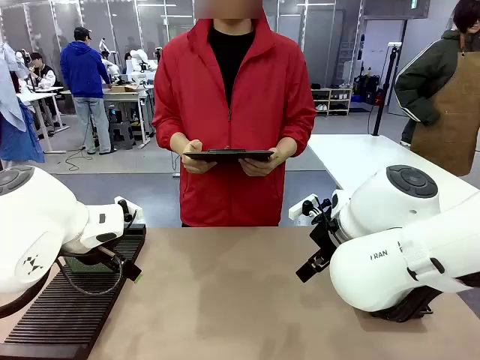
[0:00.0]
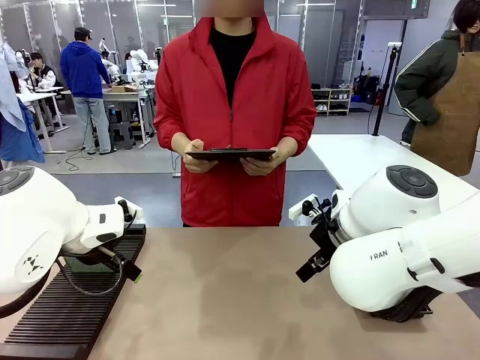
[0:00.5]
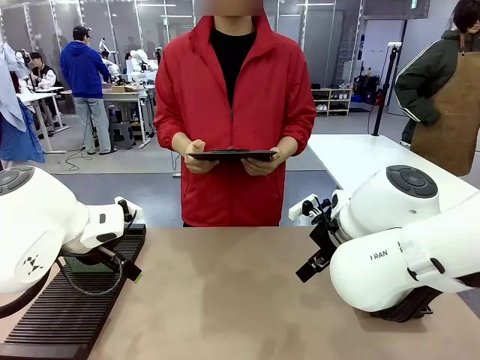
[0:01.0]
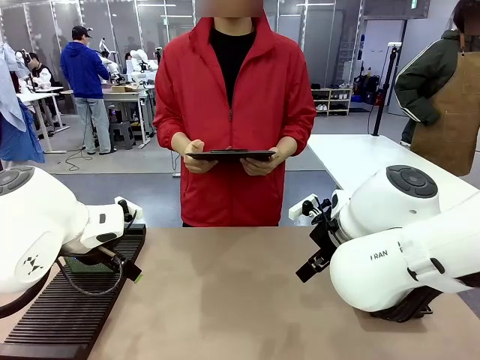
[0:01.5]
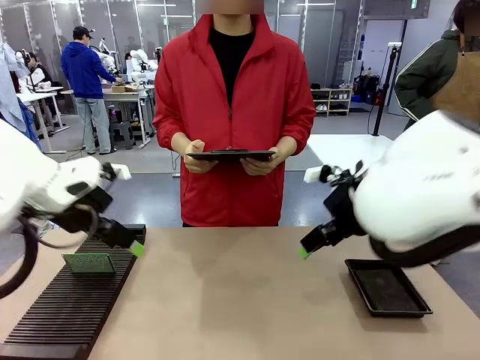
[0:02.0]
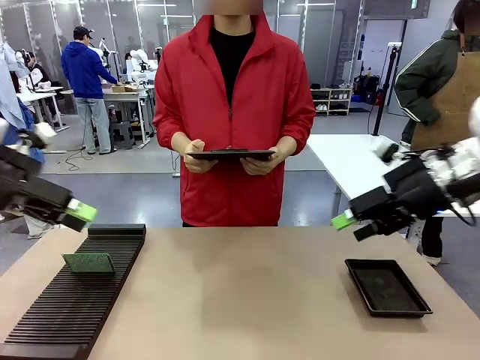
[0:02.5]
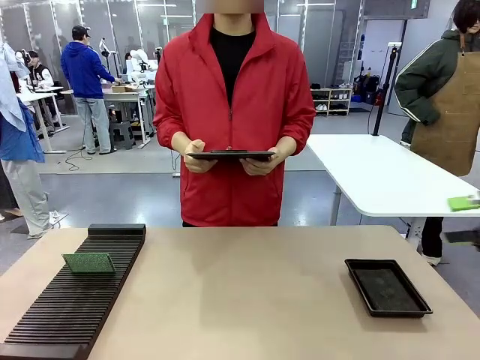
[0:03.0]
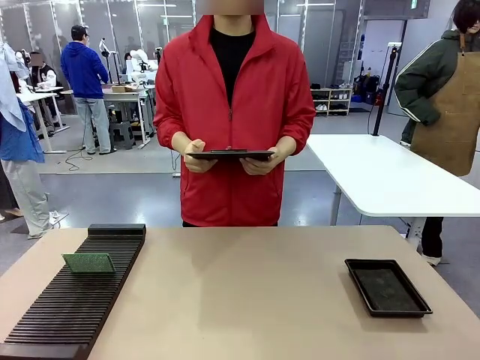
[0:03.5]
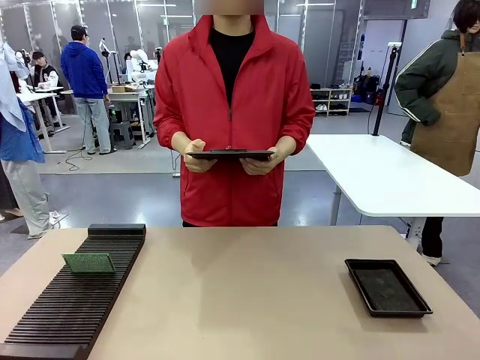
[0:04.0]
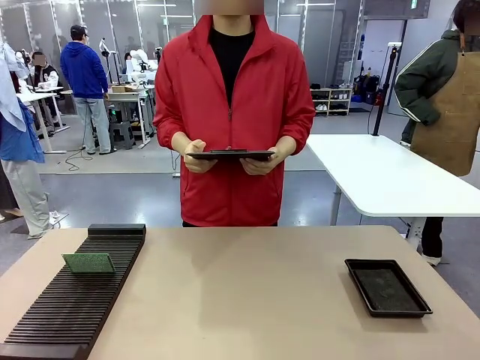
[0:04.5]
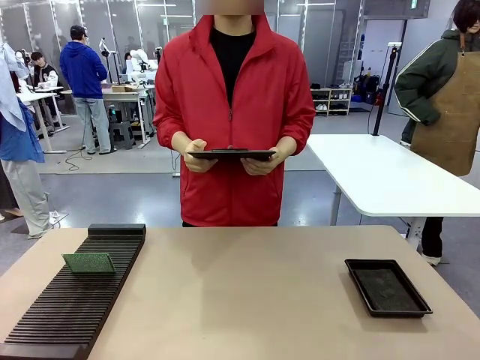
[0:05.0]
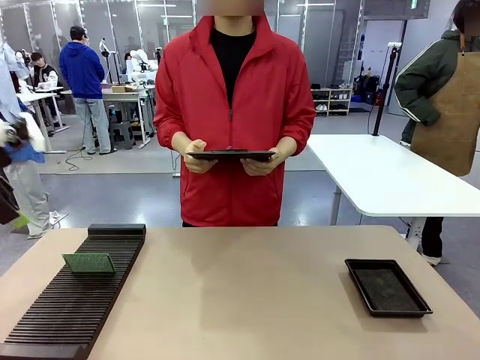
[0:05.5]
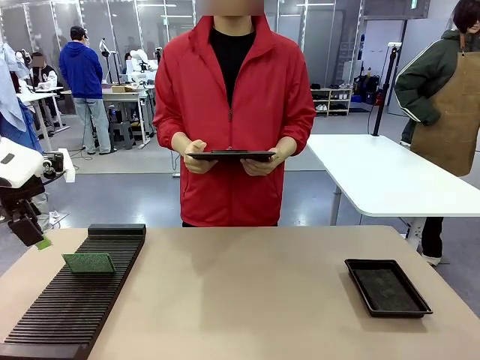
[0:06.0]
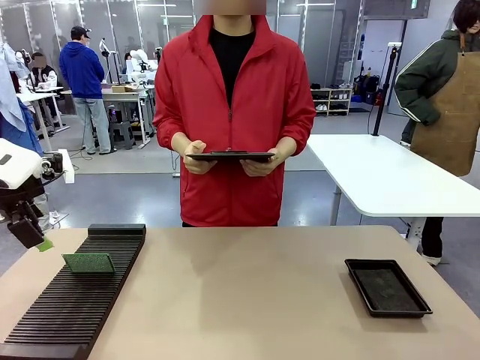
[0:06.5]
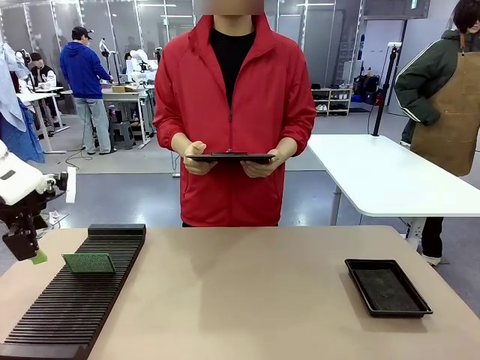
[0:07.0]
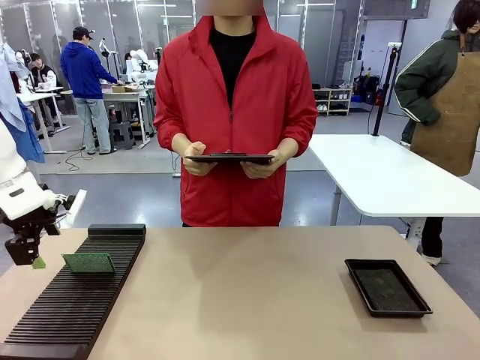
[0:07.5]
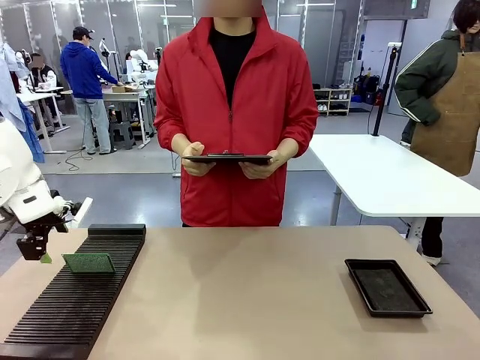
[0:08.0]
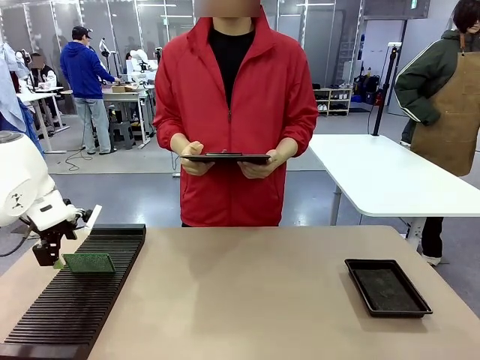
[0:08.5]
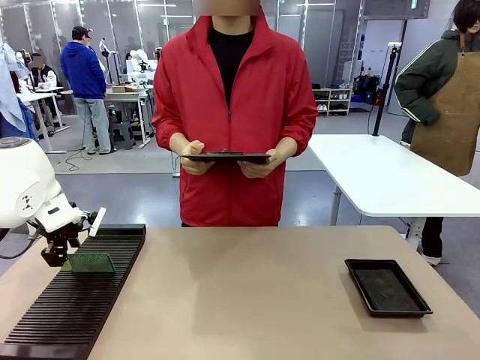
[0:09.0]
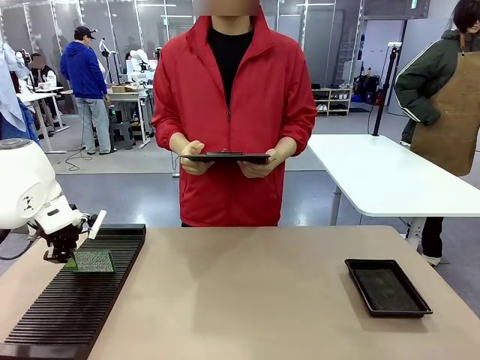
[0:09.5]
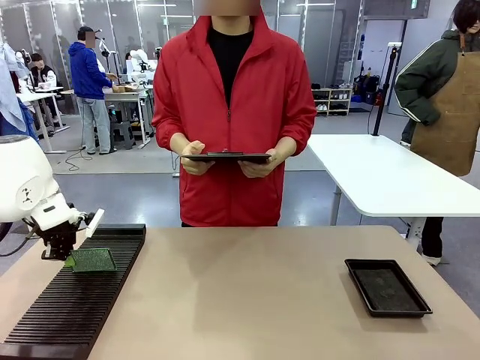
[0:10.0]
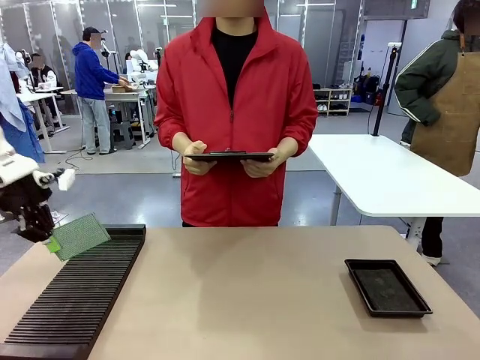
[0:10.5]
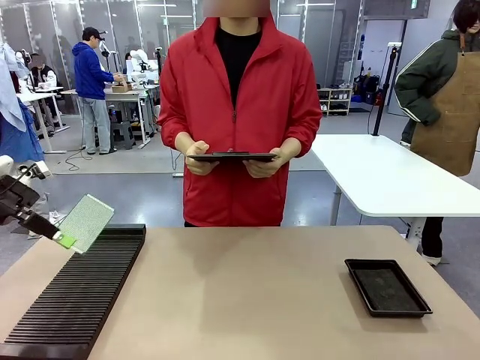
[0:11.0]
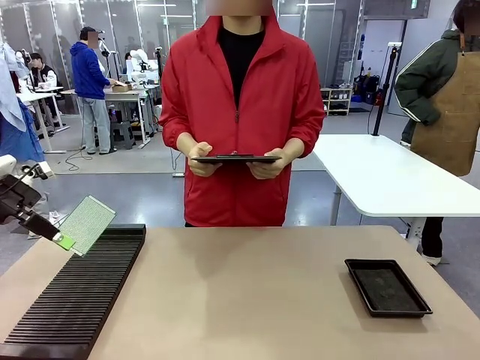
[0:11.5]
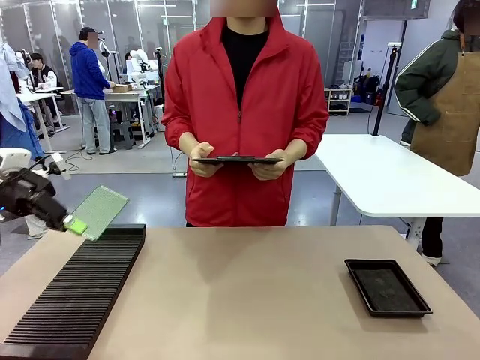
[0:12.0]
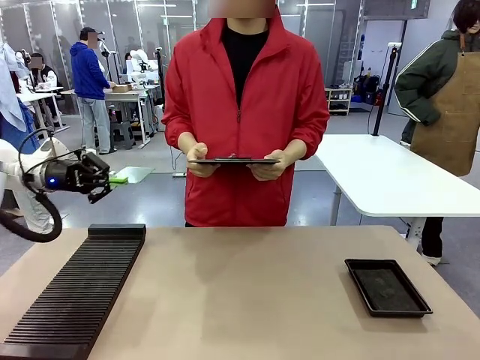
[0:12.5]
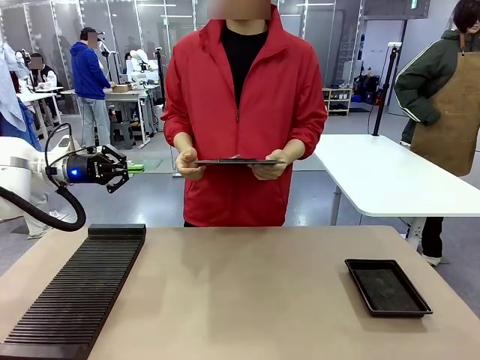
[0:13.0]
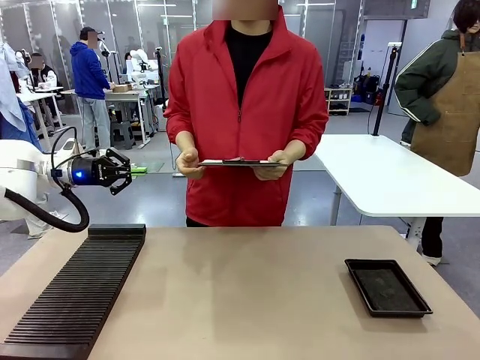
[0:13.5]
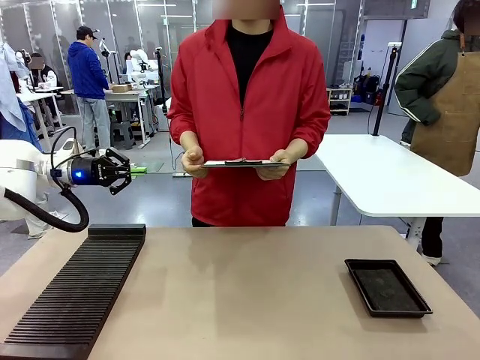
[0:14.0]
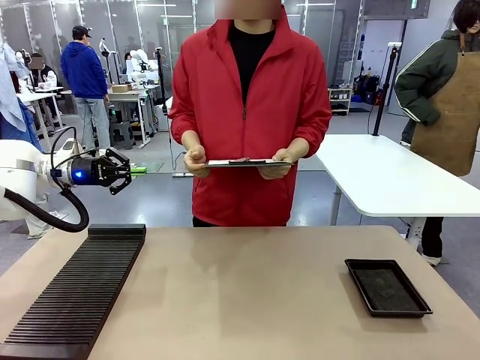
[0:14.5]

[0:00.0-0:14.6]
Task: Inspect the PCB.
Robot: Pick up the Blank PCB and present it to the human.
Person: Pick up the PCB presented by the robot.

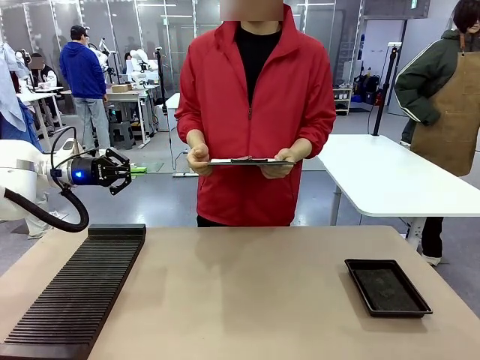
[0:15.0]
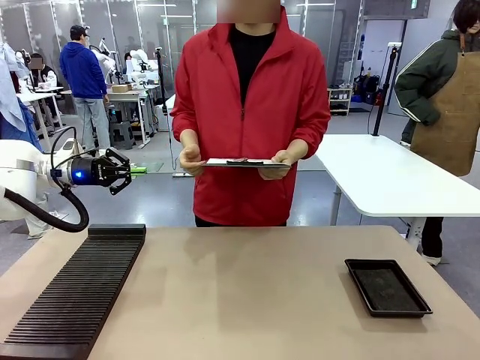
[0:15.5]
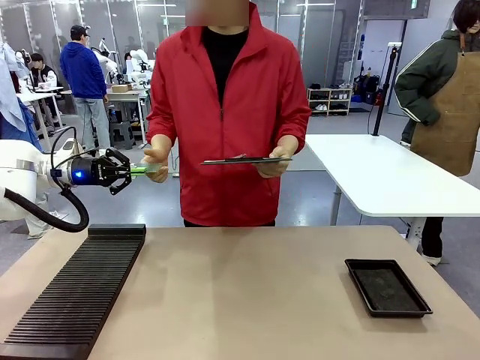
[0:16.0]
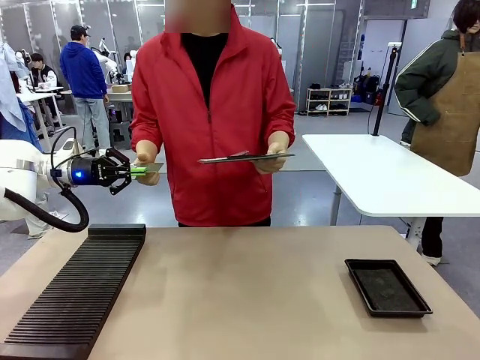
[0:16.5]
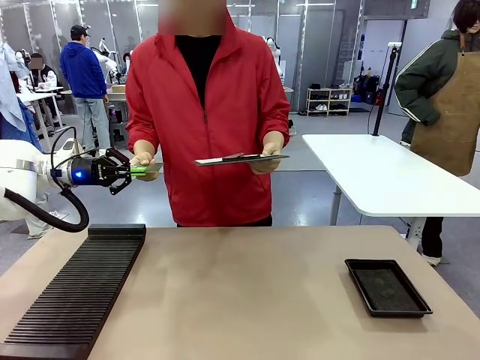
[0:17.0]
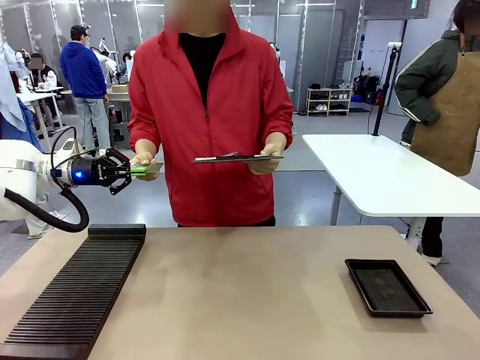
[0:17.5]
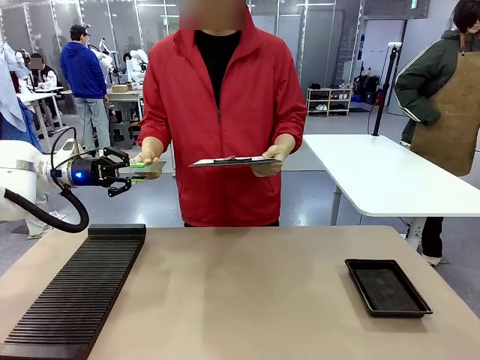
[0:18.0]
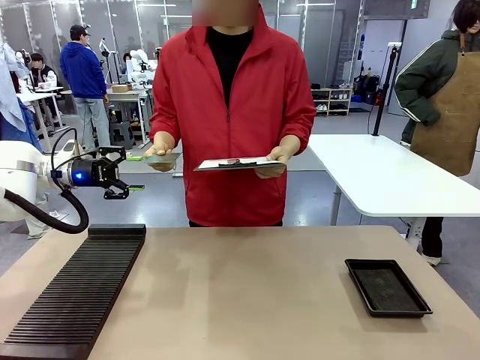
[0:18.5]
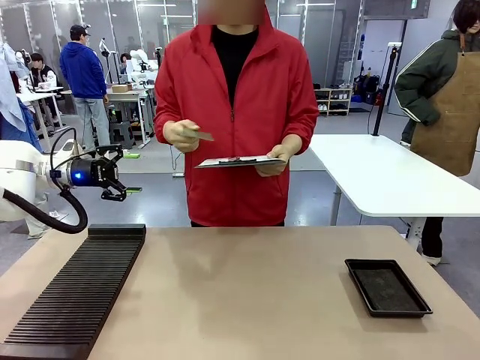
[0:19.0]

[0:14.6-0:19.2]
Robot: Release the Blank PCB you were holding.

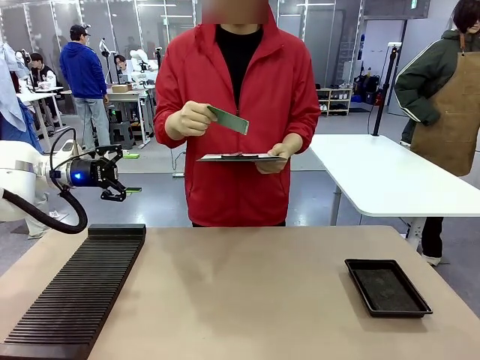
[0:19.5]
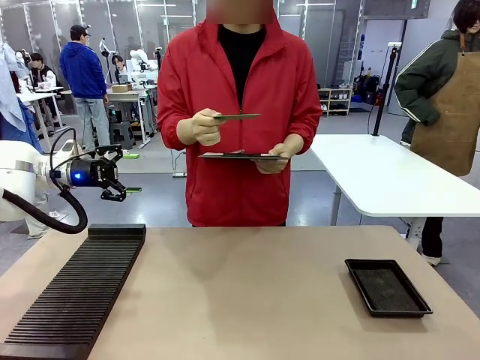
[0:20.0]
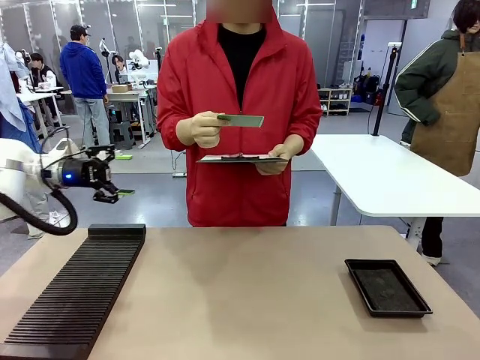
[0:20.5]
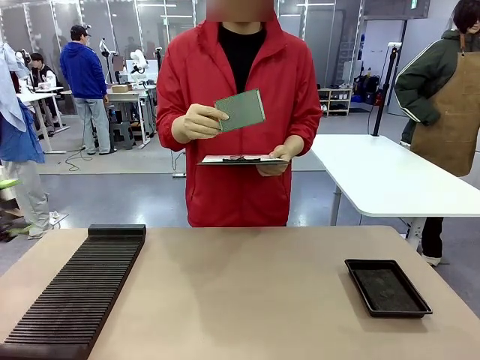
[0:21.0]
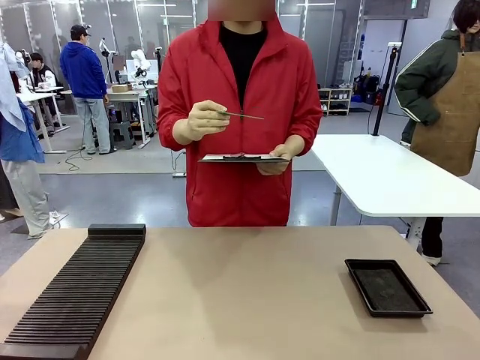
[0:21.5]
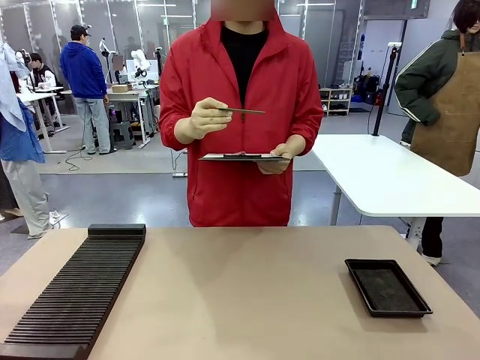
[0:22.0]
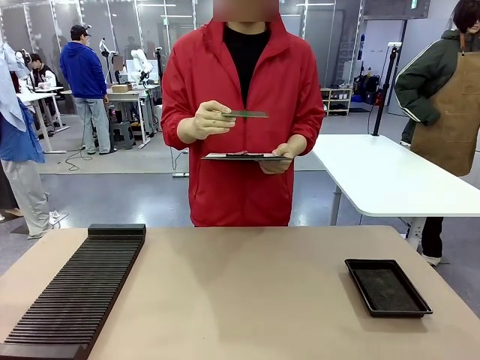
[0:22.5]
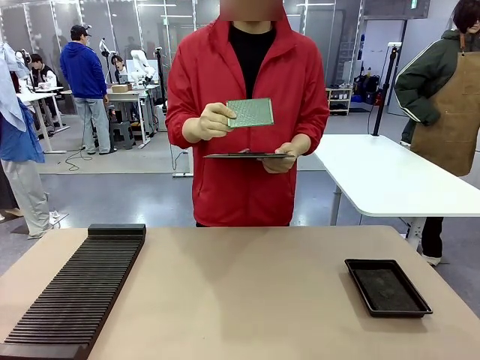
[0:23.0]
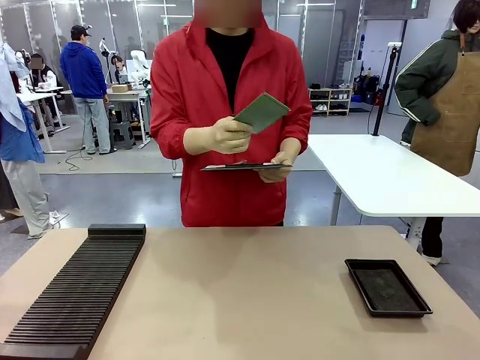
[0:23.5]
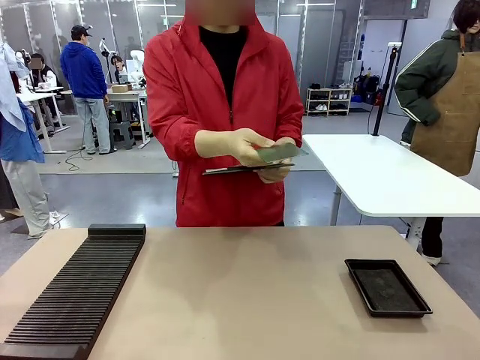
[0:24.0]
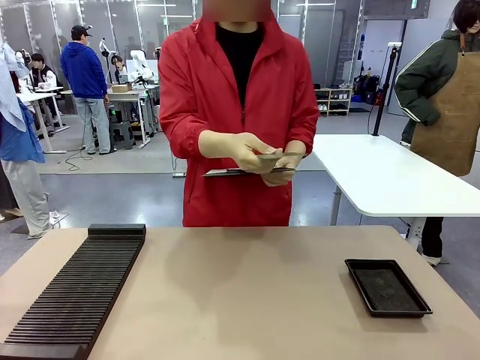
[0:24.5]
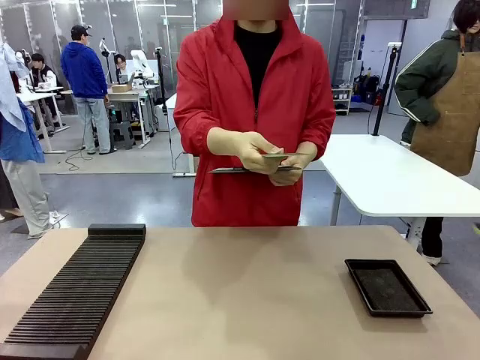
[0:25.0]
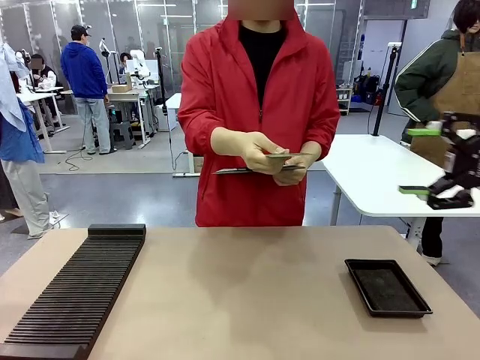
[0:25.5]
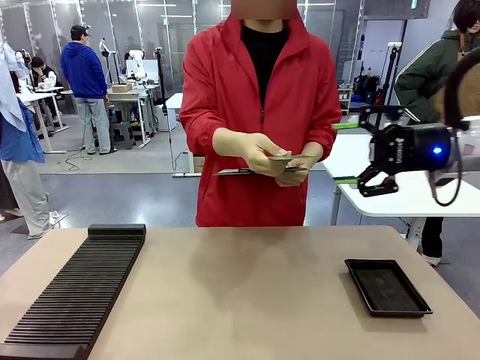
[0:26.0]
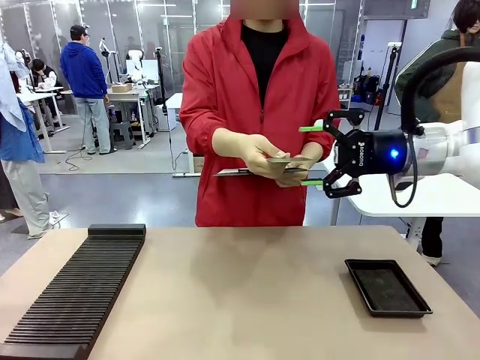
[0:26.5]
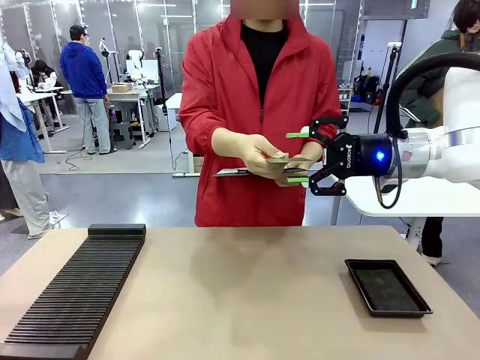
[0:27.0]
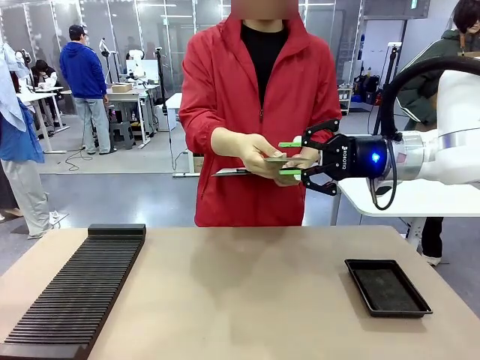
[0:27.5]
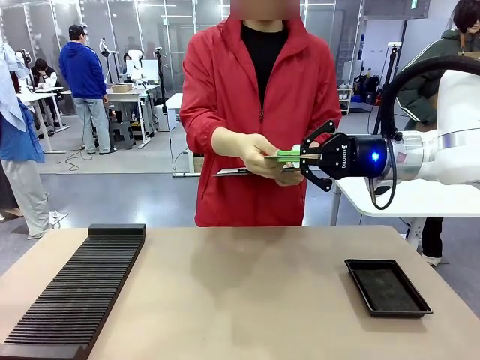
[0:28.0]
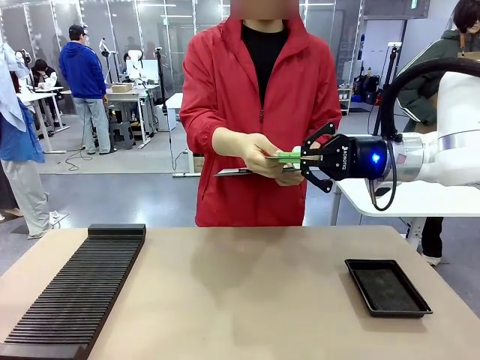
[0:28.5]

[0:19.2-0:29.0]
Robot: Pick up the Blank PCB that the human is holding.
Person: Inspect the PCB placed by the robot, then hold it out in front of the robot. Release the PCB you were holding.
